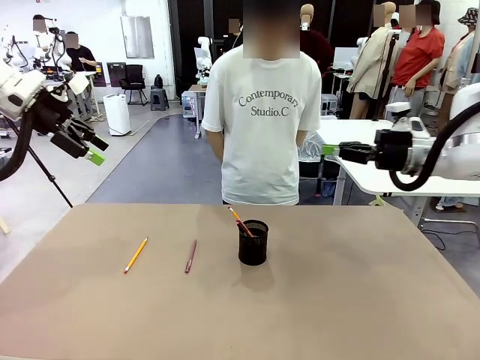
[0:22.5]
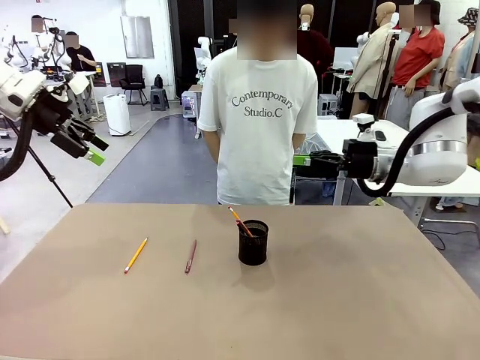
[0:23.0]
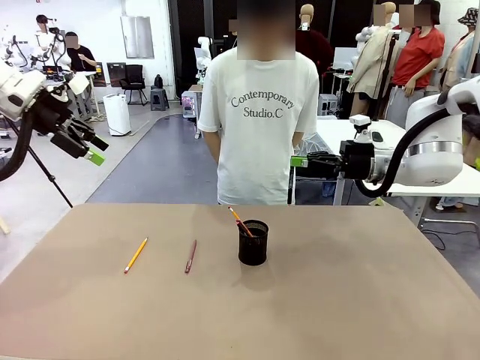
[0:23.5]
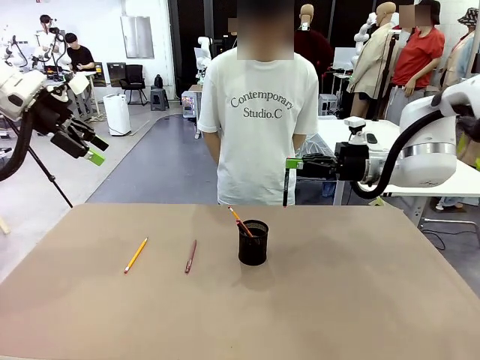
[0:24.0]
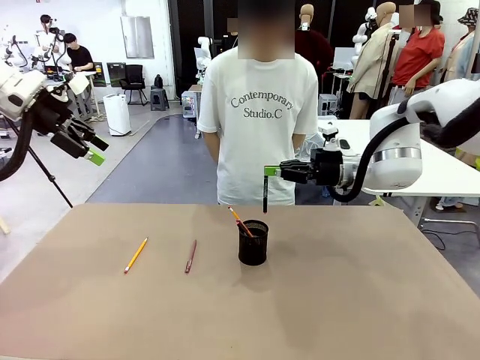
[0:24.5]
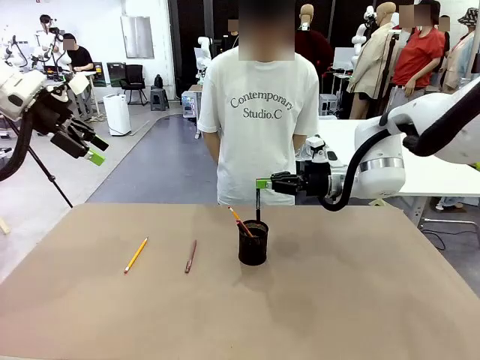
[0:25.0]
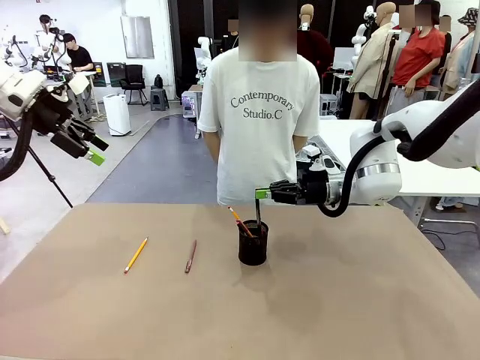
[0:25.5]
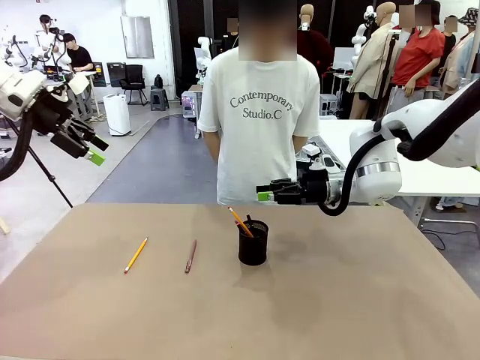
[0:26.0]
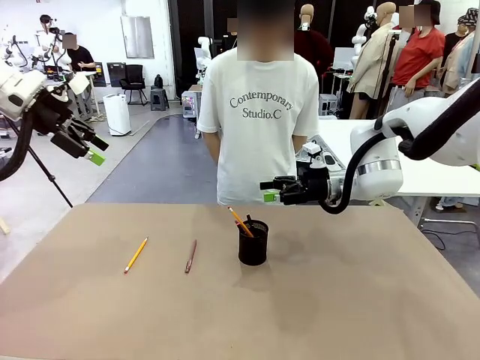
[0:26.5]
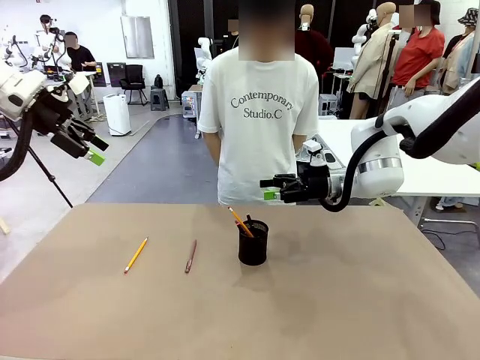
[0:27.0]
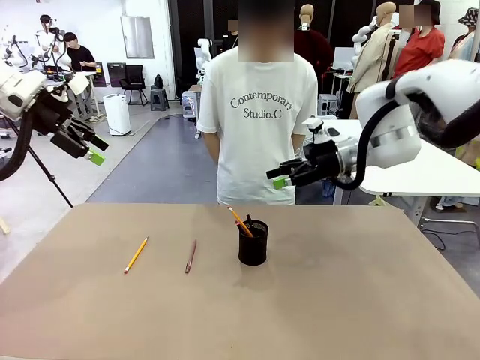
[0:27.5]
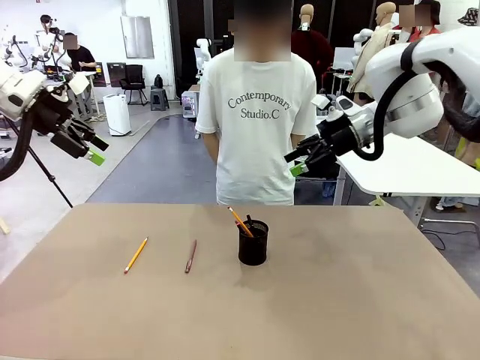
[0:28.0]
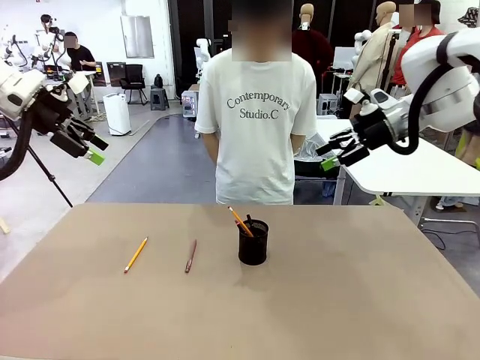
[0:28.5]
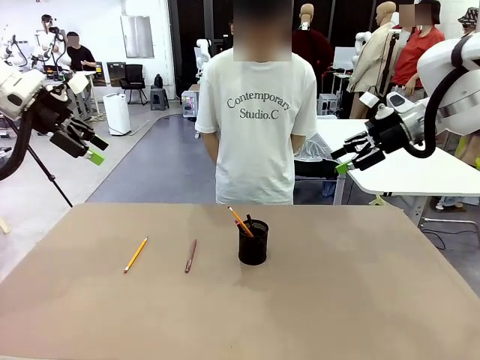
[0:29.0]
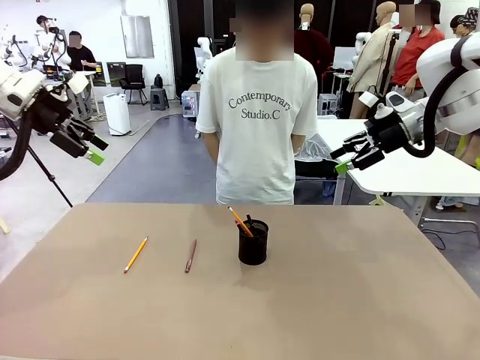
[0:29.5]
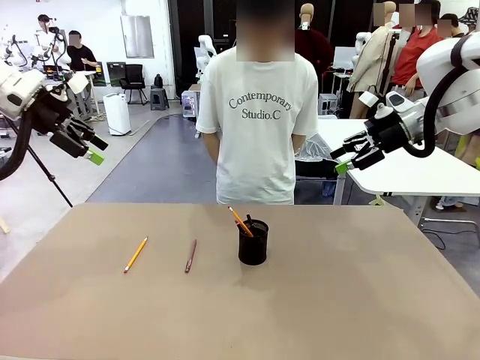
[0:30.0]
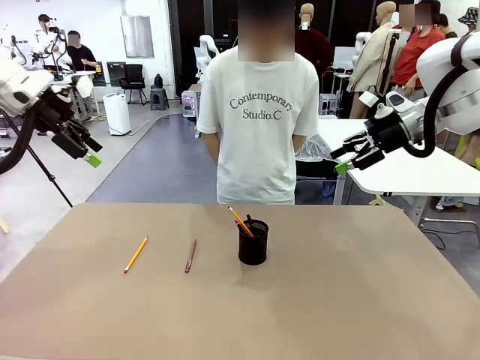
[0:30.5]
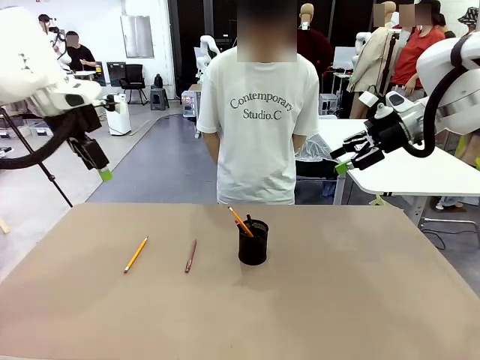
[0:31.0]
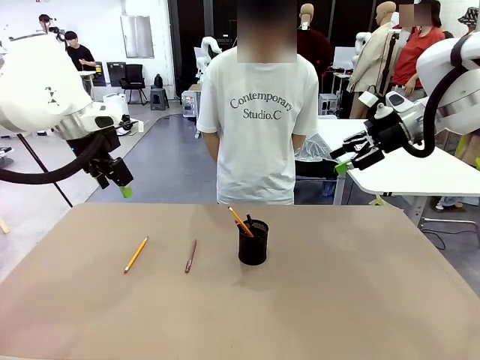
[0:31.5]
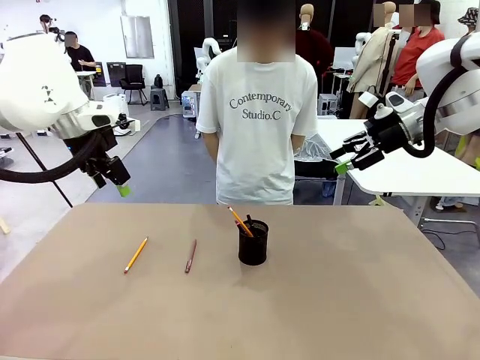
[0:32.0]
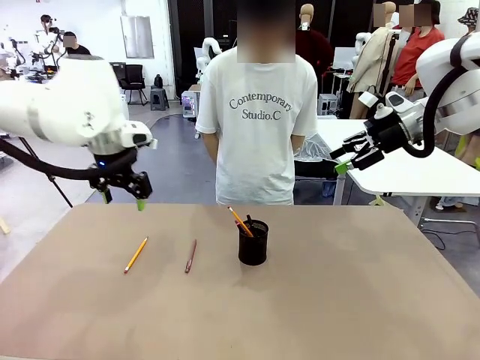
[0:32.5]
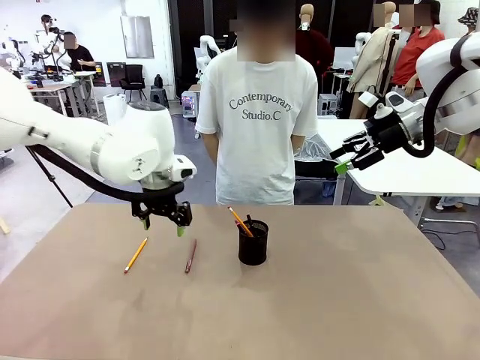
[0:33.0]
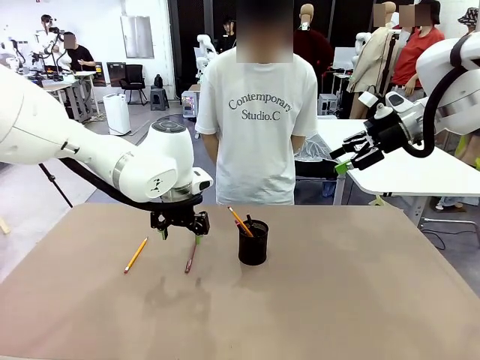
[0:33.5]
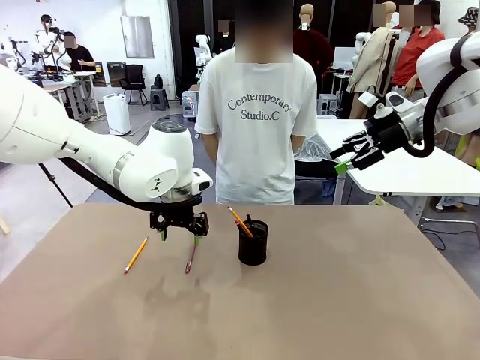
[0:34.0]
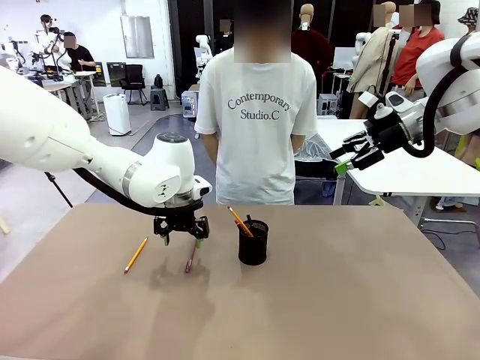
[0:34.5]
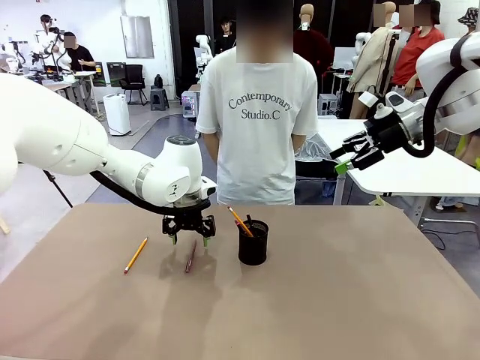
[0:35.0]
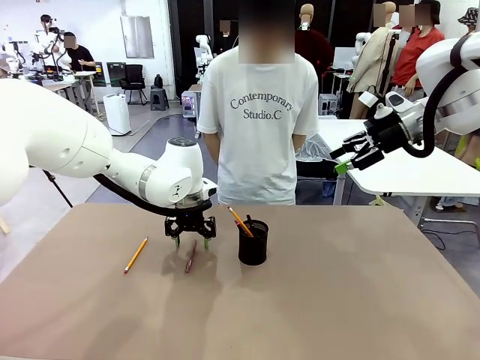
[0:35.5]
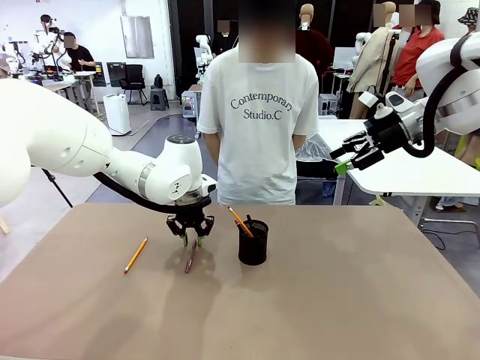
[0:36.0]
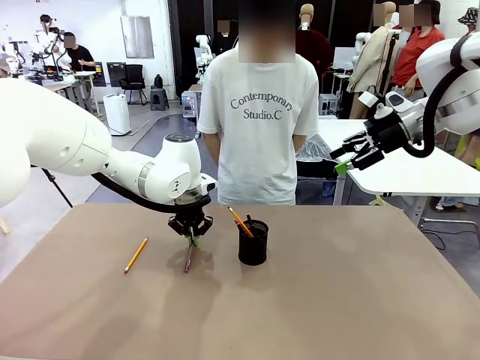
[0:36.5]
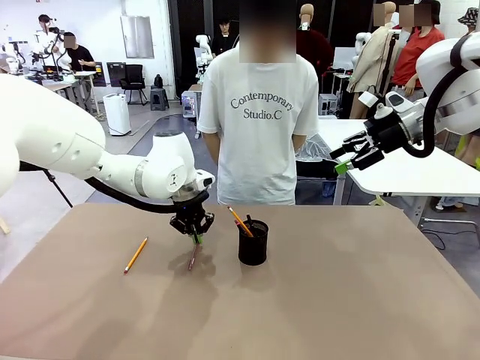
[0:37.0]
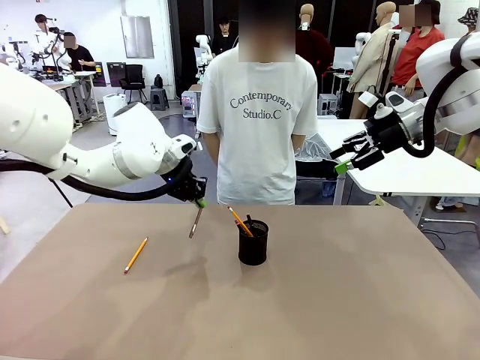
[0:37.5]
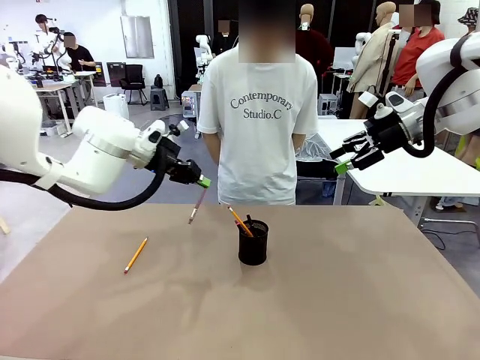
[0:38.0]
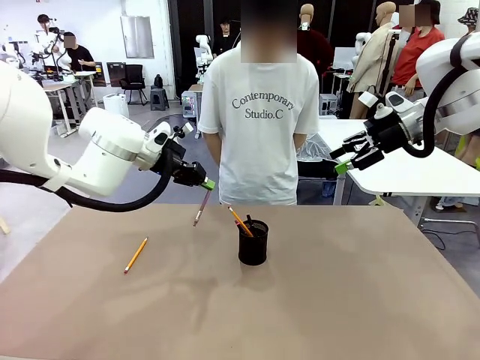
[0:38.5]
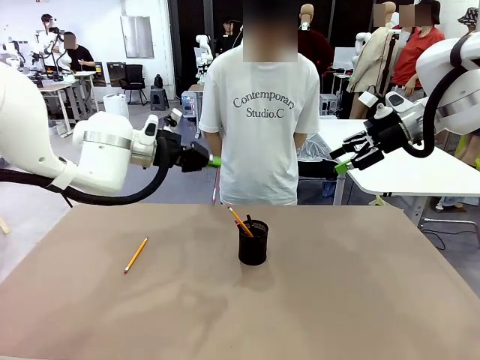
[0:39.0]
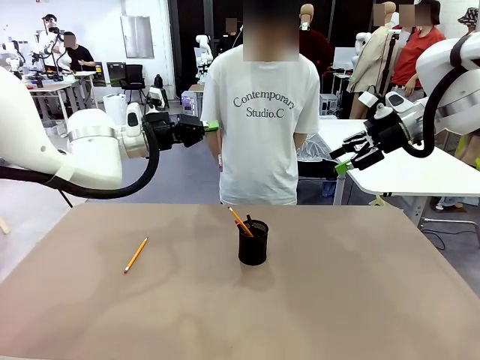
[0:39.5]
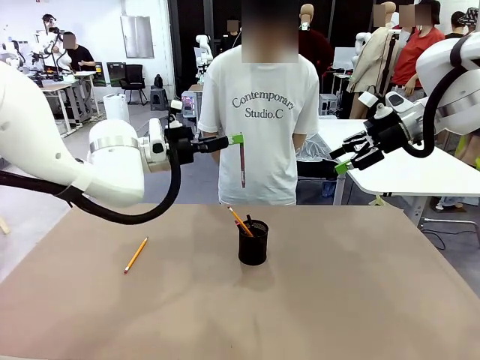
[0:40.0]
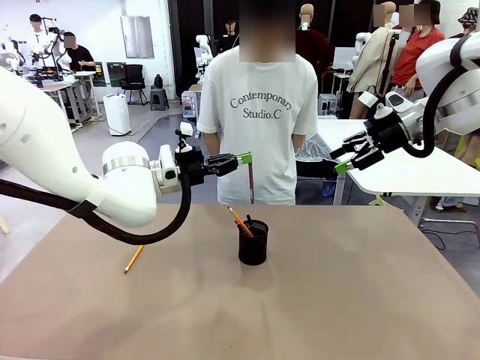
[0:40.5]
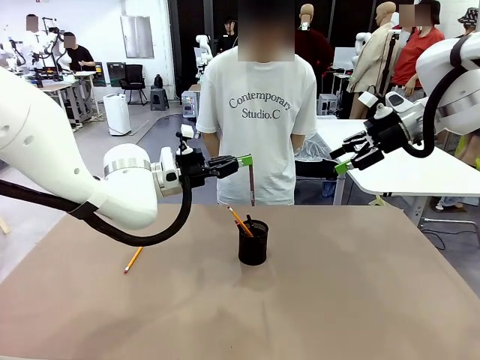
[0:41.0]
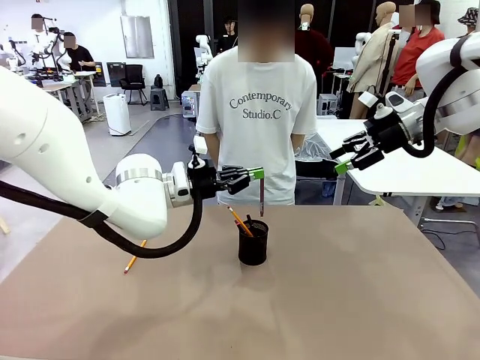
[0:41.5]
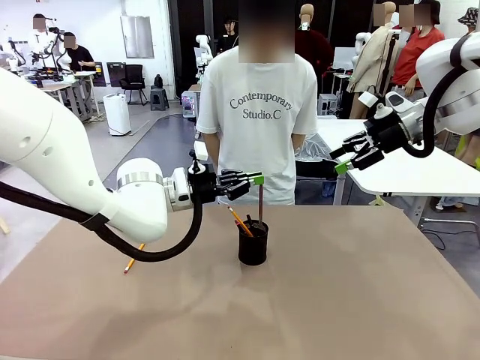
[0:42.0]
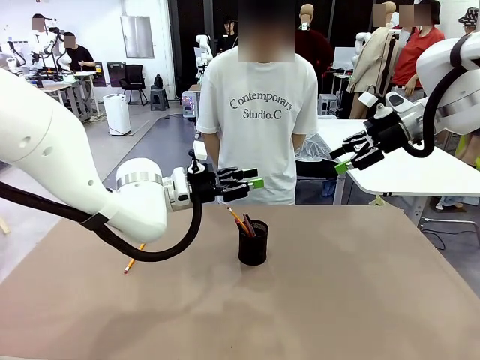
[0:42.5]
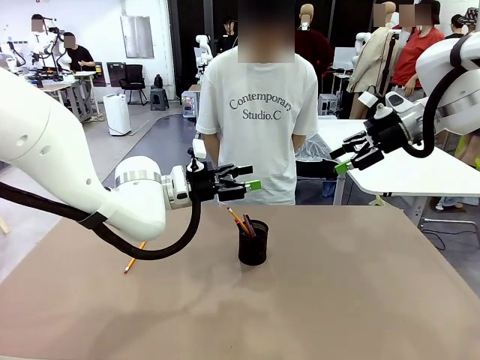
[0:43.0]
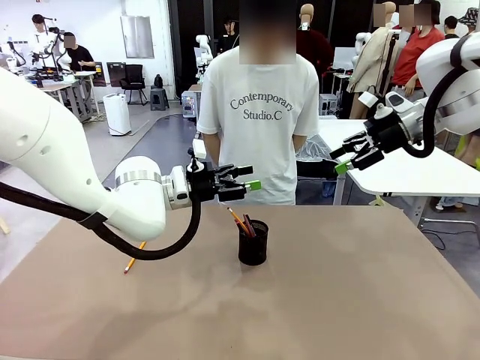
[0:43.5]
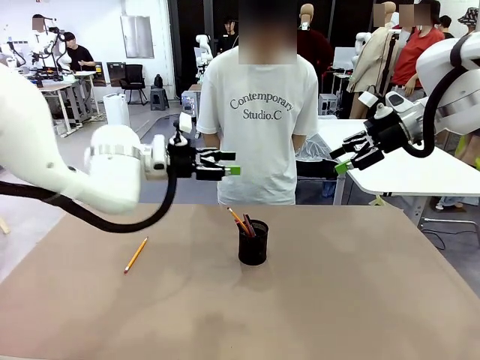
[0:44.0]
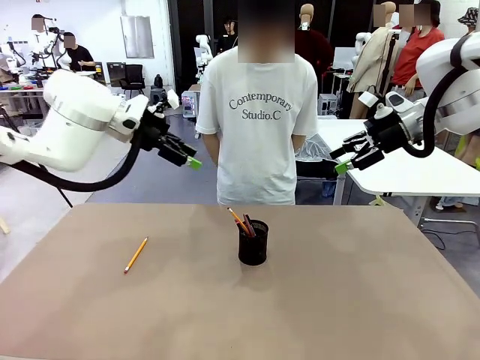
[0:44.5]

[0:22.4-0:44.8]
Task: Place the pens into the pen holder.
Robot: Pick up a writing instrument from the table and place it into the Pen holder.
